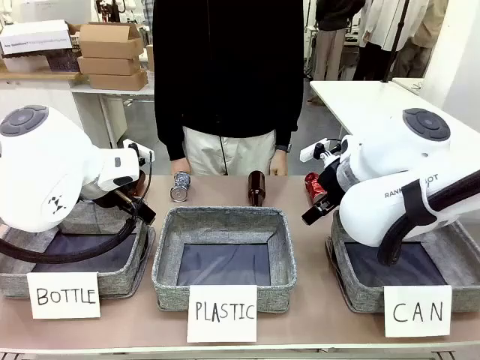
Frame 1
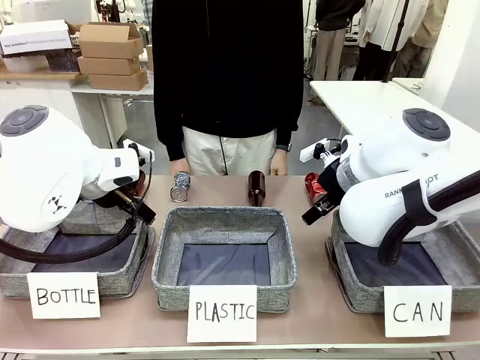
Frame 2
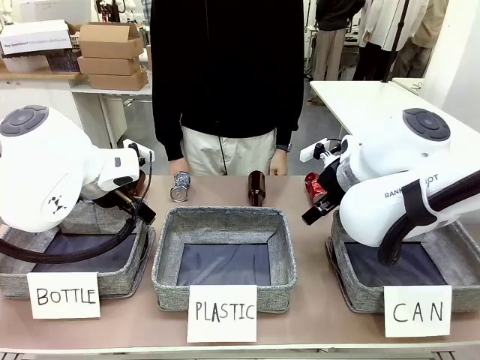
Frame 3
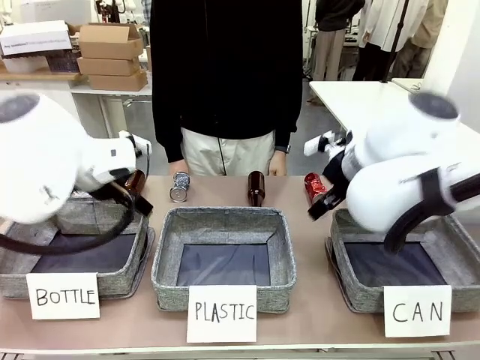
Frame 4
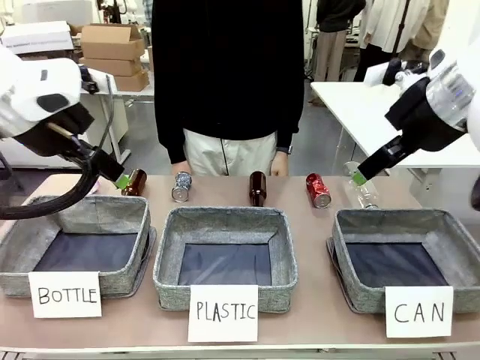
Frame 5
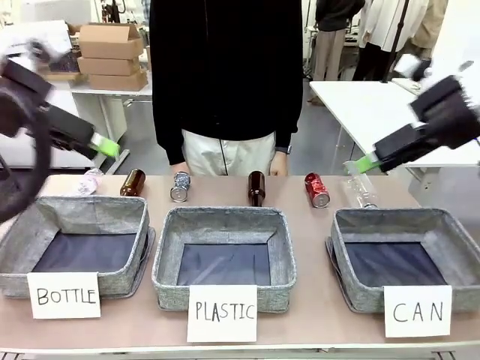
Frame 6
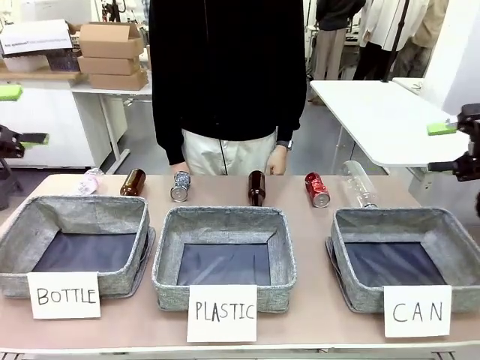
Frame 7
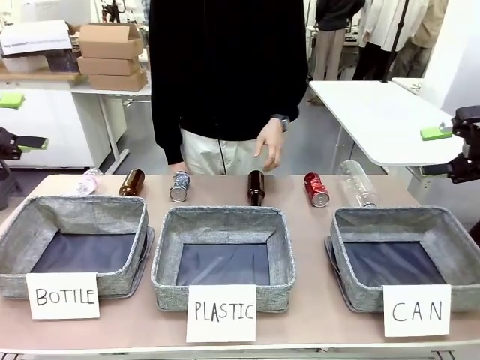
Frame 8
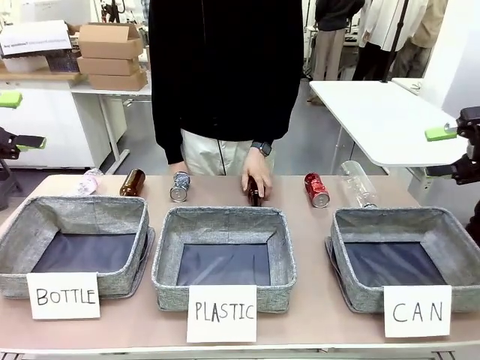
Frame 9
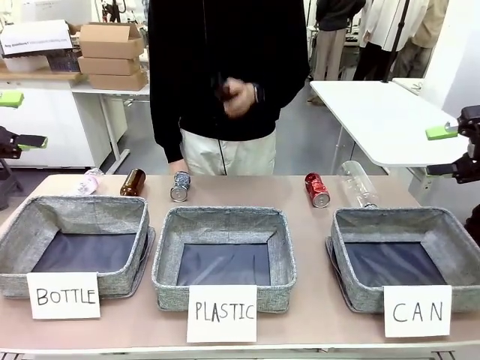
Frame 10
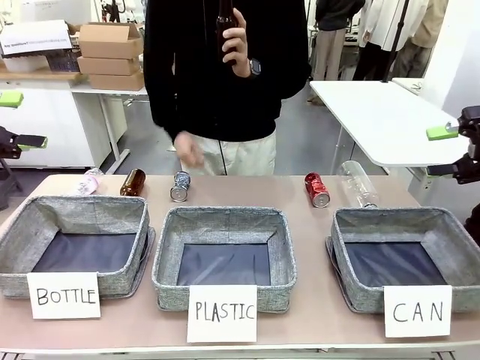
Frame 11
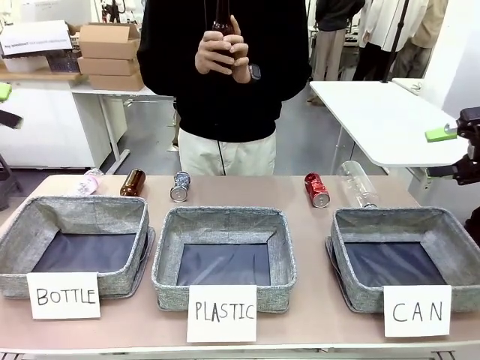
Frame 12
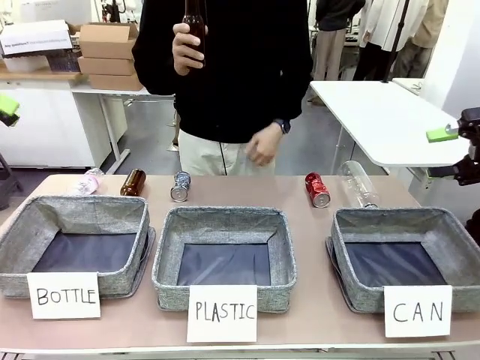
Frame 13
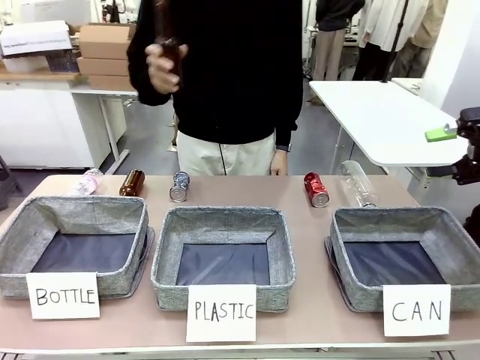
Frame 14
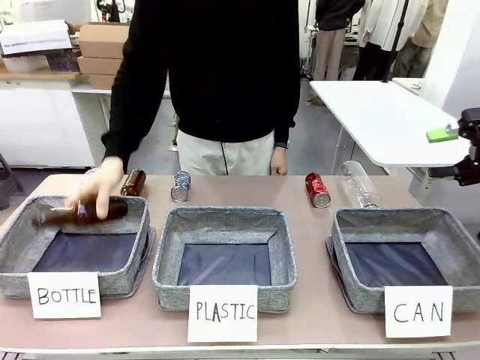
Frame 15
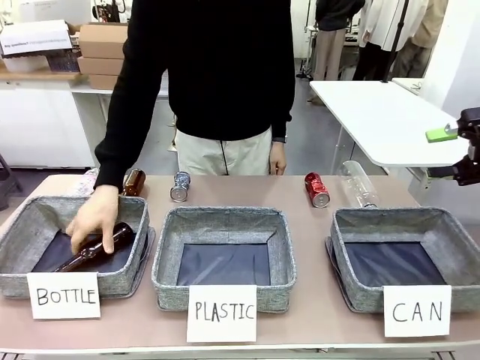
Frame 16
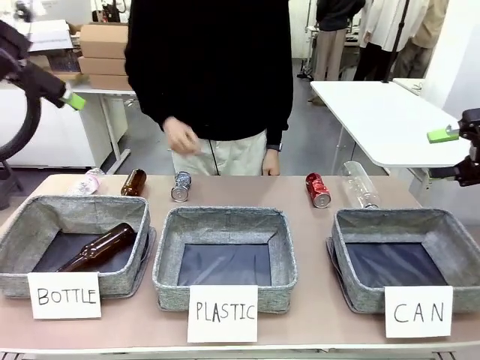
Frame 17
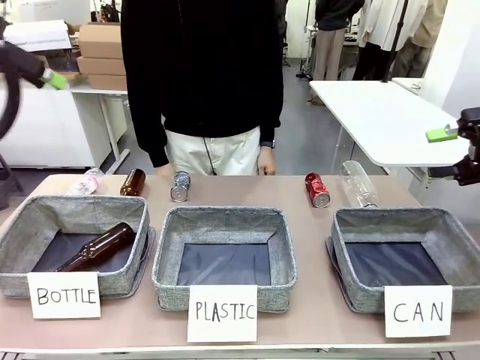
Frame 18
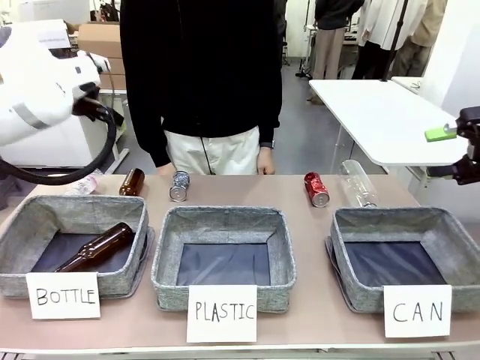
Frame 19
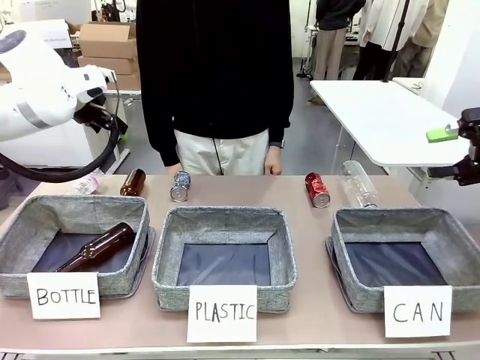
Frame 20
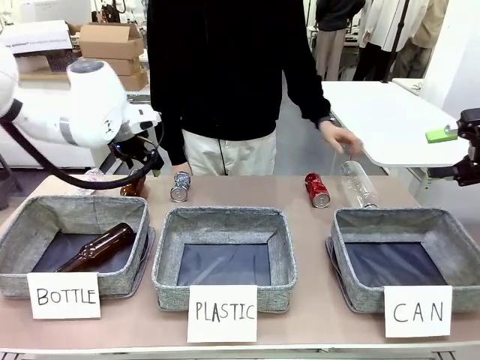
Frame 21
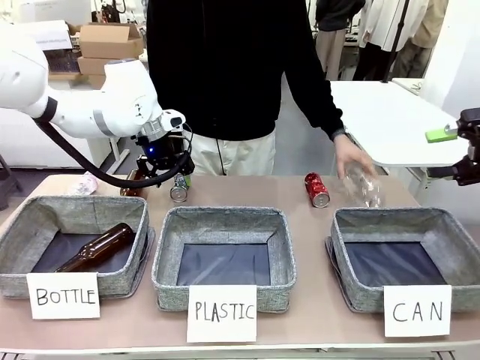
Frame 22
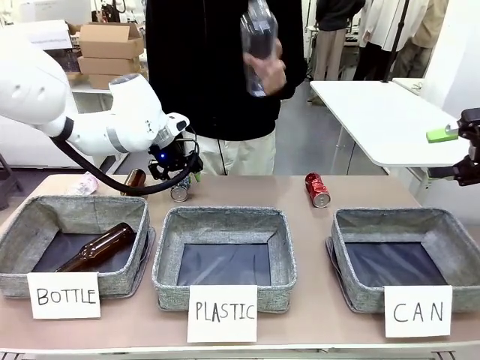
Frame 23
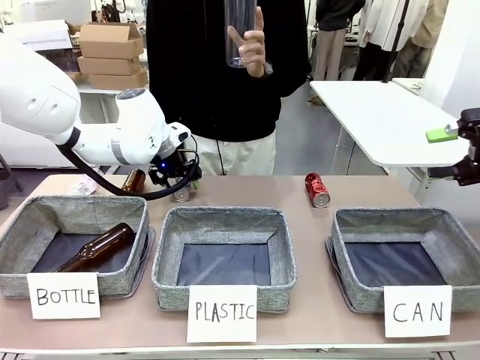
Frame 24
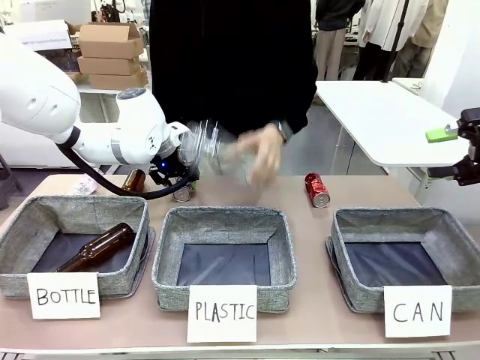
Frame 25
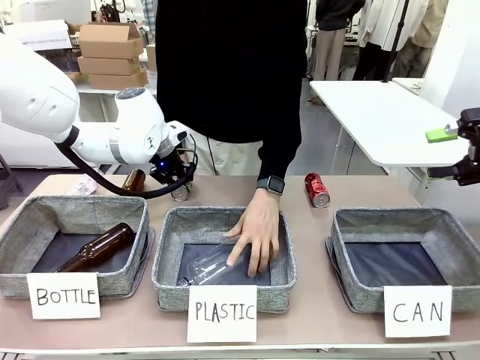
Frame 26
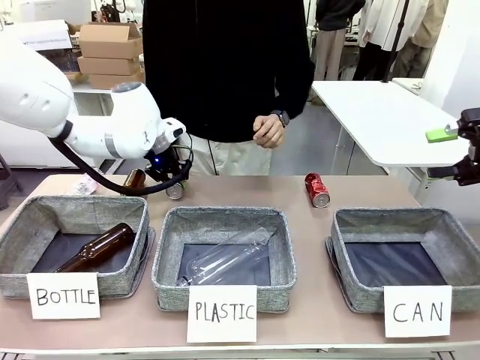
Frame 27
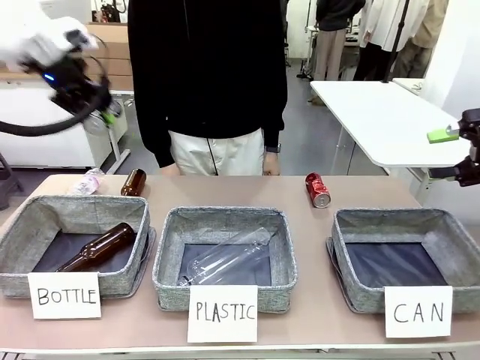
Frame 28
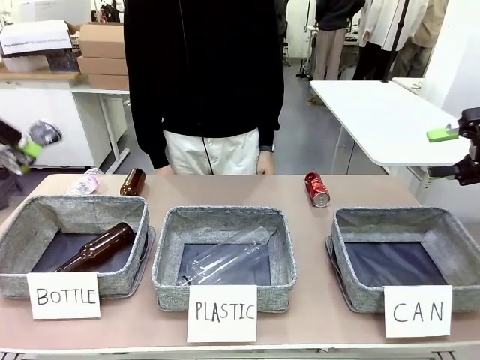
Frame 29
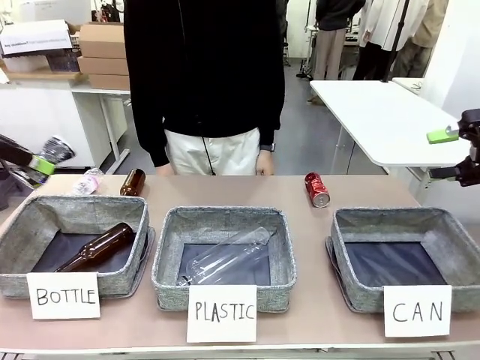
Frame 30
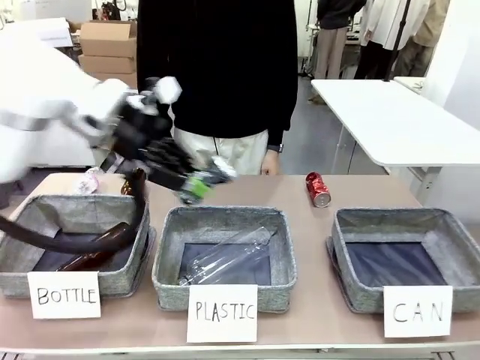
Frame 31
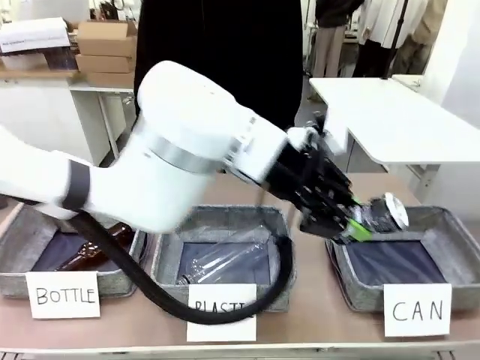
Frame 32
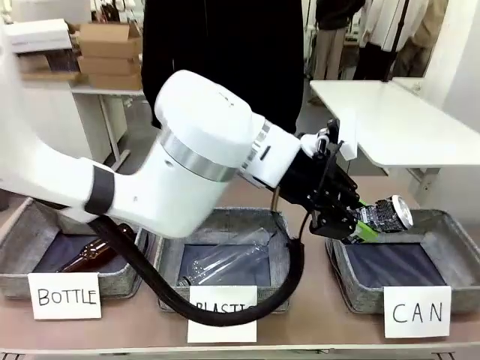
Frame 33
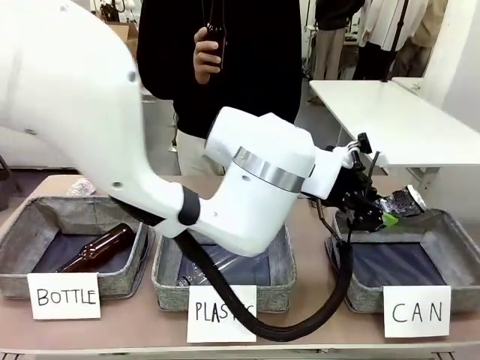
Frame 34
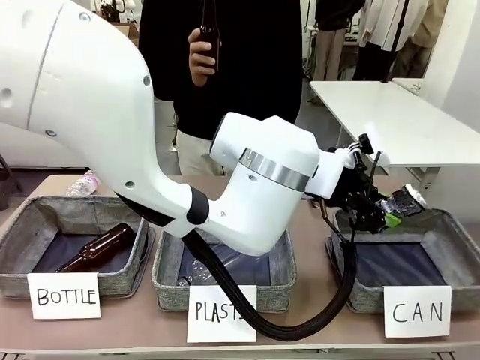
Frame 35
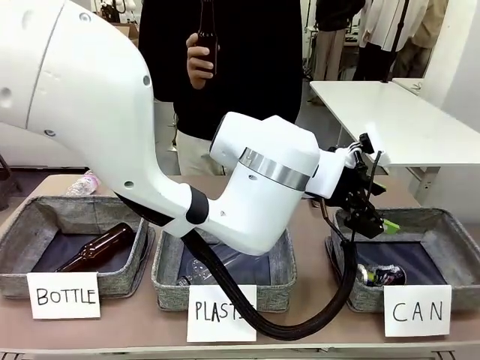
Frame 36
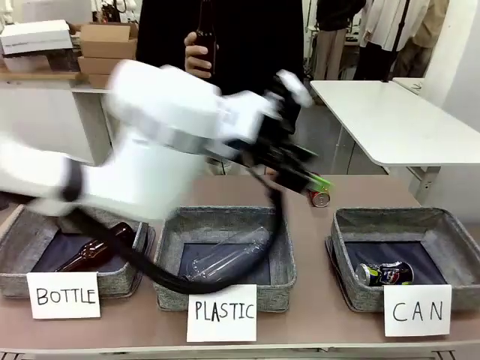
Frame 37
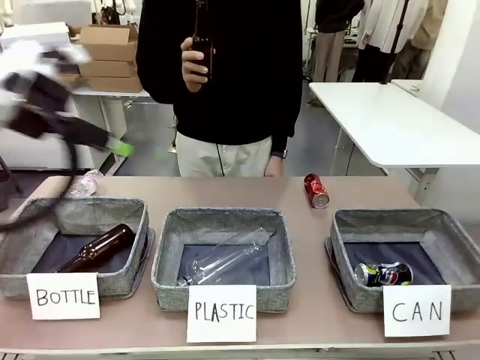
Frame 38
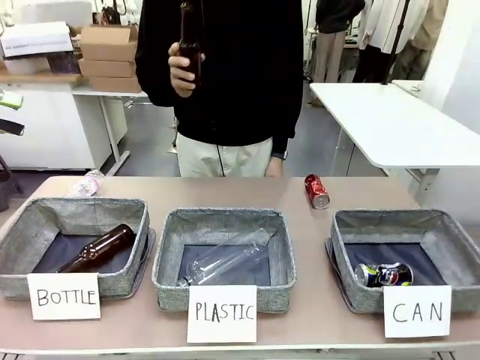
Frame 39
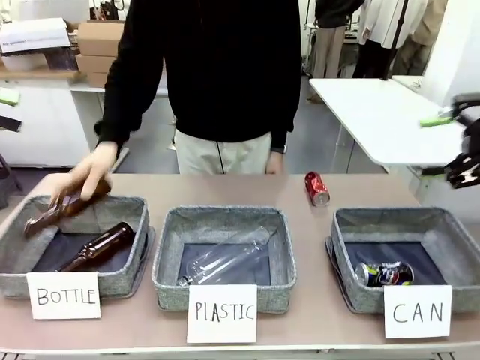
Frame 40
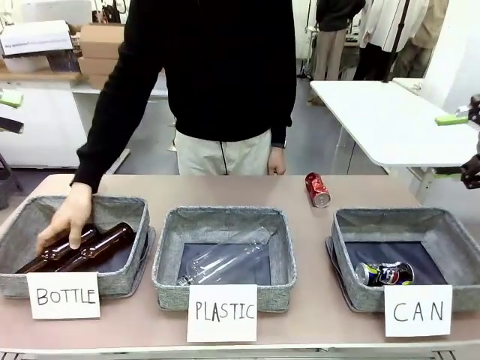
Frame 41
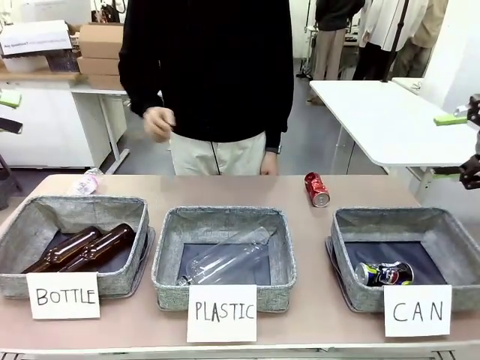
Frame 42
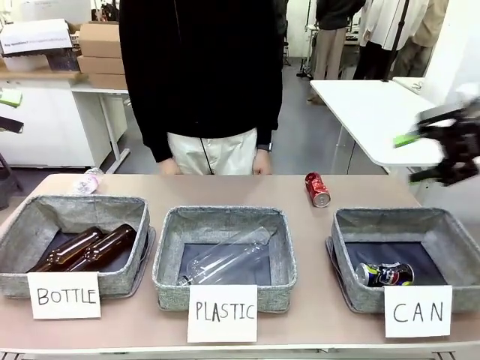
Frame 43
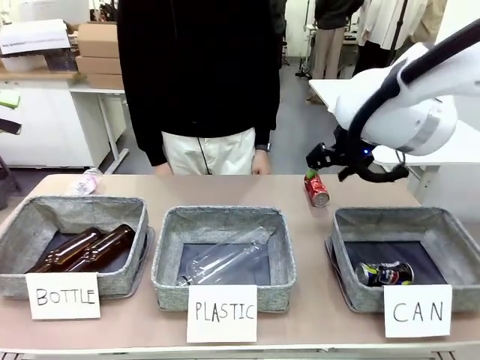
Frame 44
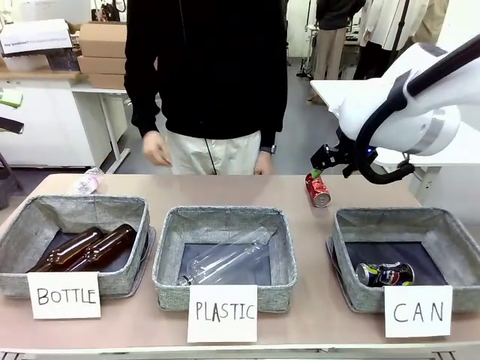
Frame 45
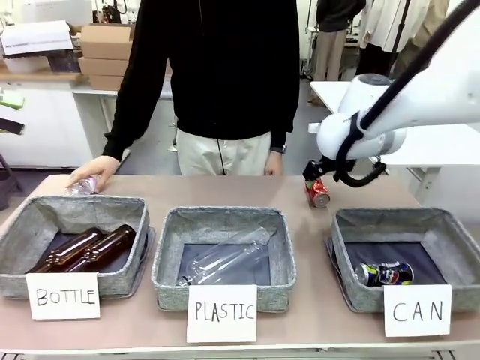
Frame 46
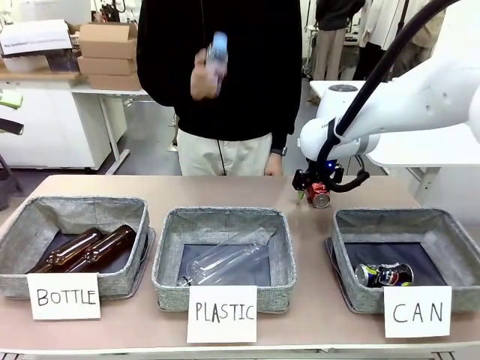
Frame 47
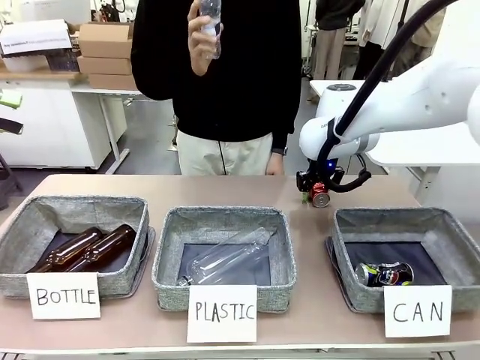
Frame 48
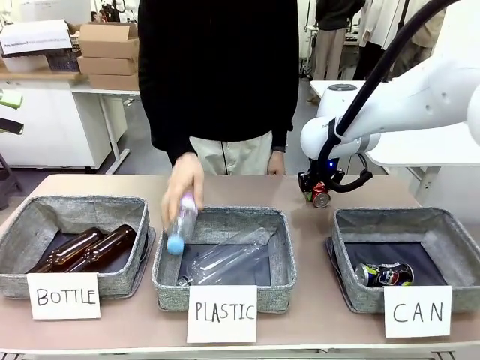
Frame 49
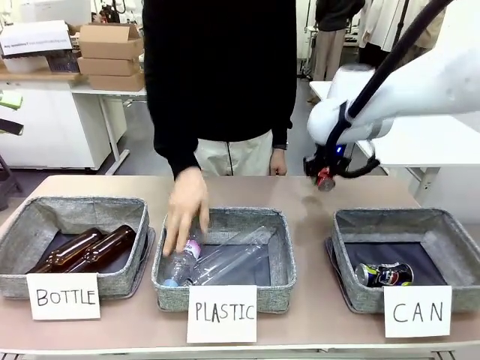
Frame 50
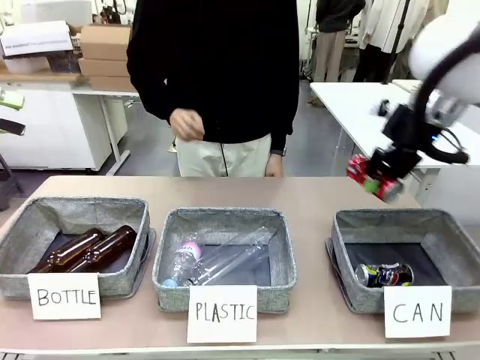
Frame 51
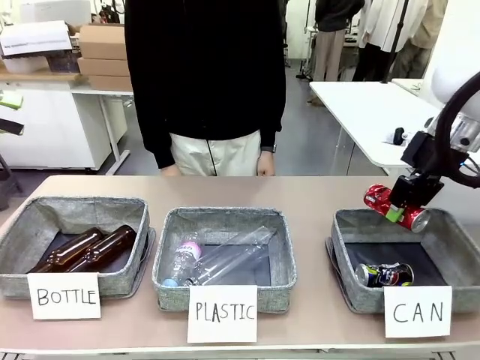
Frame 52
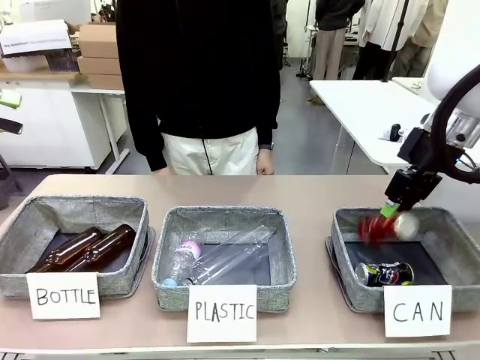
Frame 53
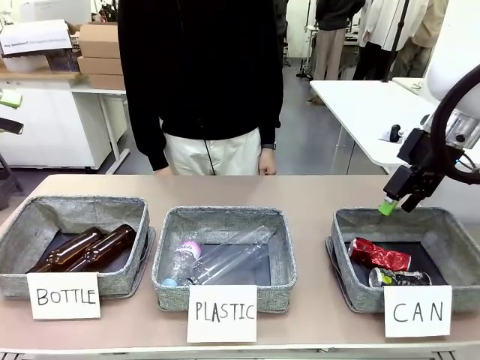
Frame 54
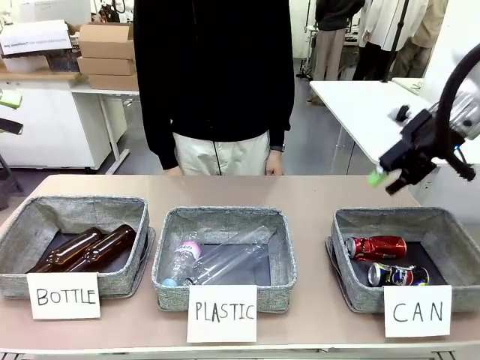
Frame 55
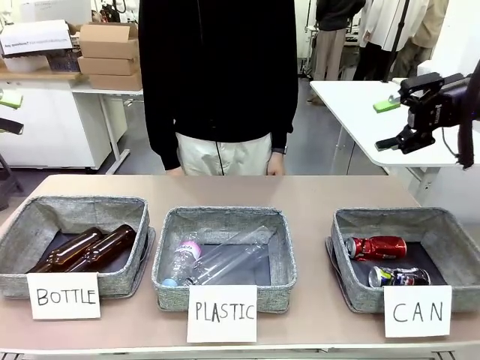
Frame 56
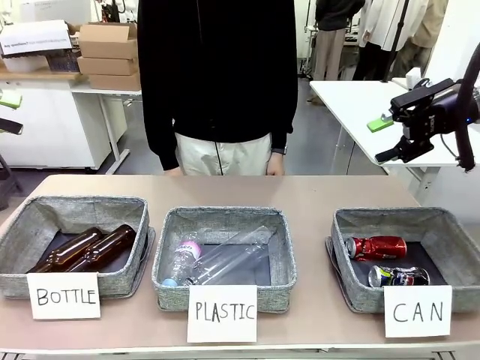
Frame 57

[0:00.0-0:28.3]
Task: Sort the can waste into the basket.
Robot: Pick up the can waste from the table and place it in the right Fabric basket.
Person: The human picks up one piece of trash that is not a can and places the trash into the appropriate organizing basket.
